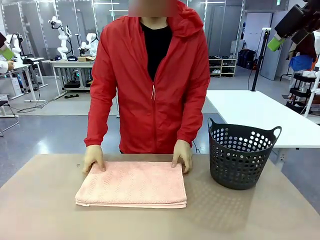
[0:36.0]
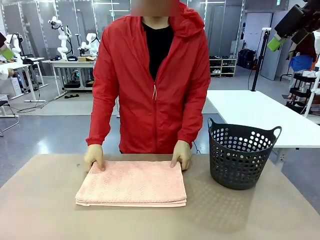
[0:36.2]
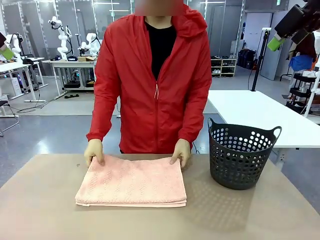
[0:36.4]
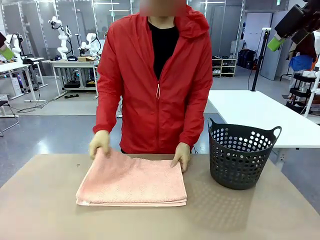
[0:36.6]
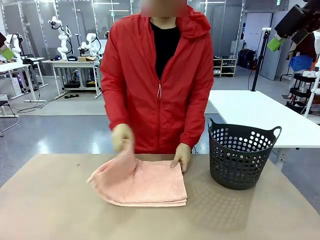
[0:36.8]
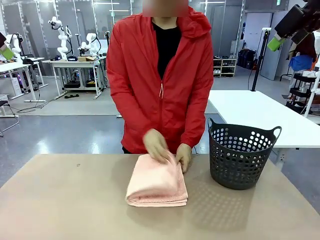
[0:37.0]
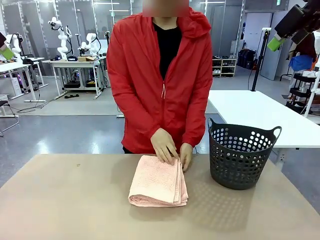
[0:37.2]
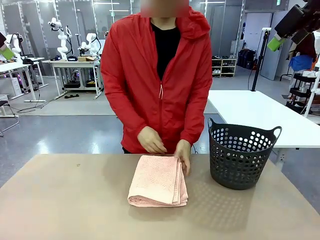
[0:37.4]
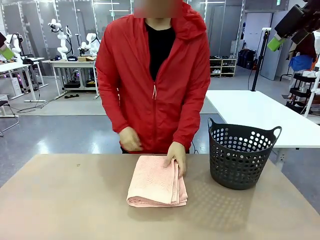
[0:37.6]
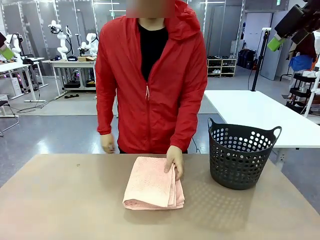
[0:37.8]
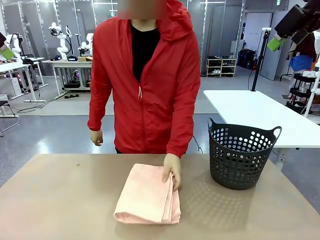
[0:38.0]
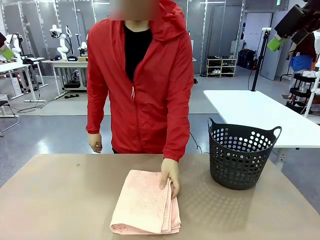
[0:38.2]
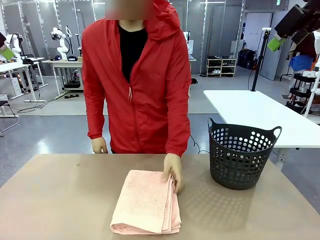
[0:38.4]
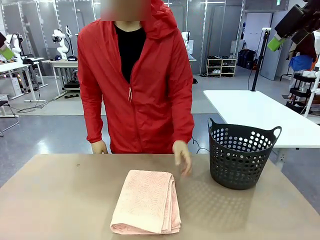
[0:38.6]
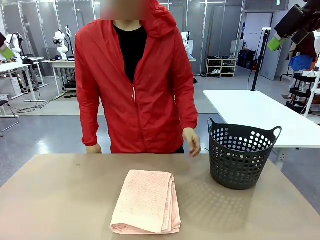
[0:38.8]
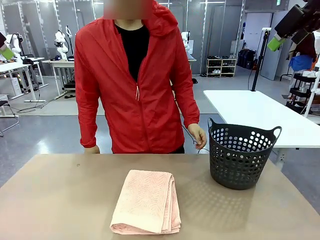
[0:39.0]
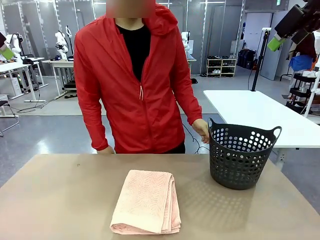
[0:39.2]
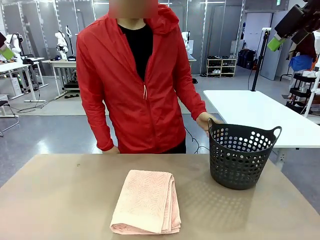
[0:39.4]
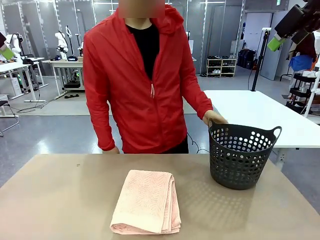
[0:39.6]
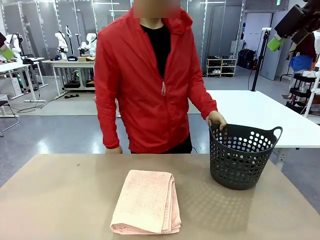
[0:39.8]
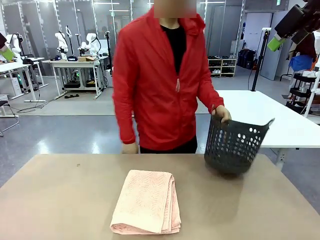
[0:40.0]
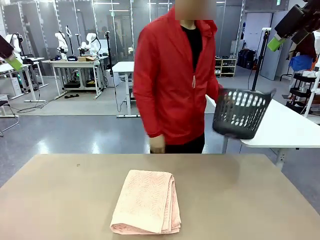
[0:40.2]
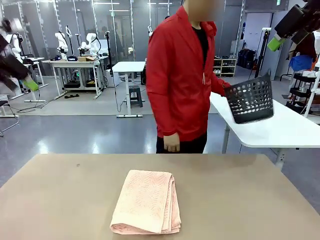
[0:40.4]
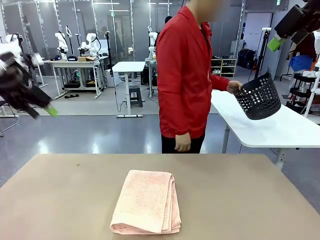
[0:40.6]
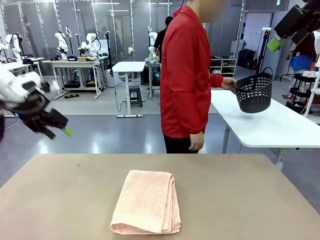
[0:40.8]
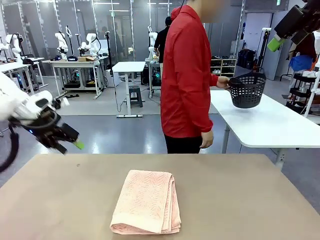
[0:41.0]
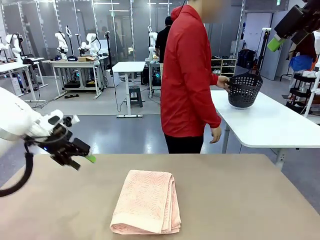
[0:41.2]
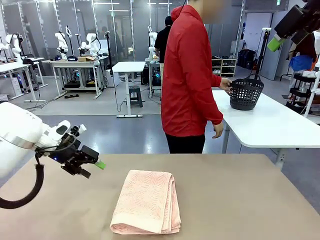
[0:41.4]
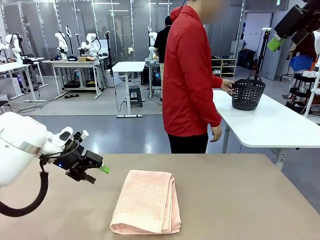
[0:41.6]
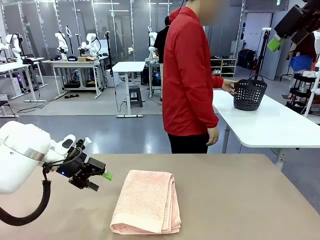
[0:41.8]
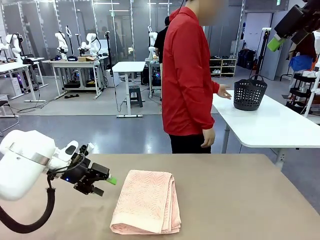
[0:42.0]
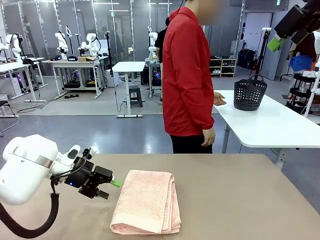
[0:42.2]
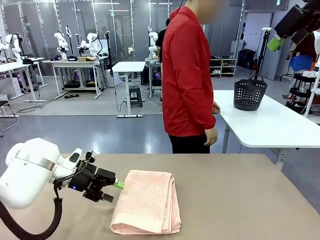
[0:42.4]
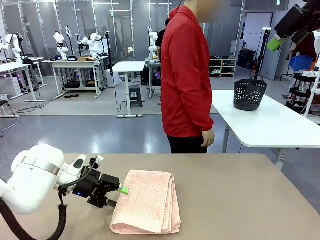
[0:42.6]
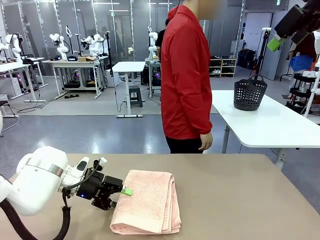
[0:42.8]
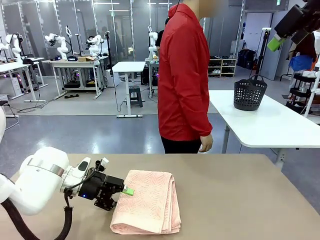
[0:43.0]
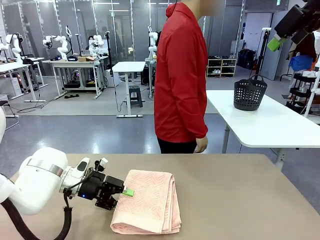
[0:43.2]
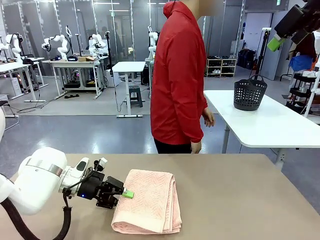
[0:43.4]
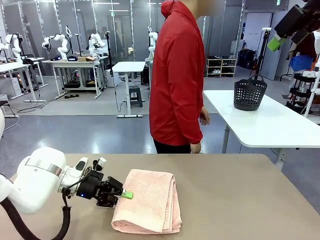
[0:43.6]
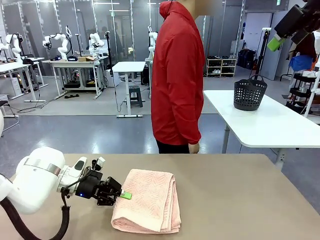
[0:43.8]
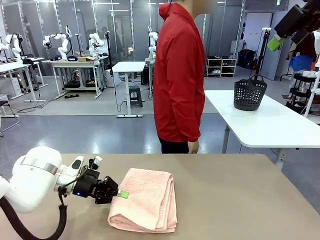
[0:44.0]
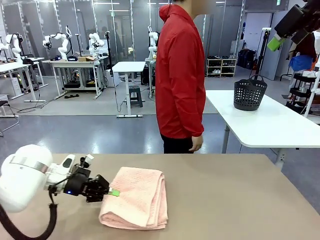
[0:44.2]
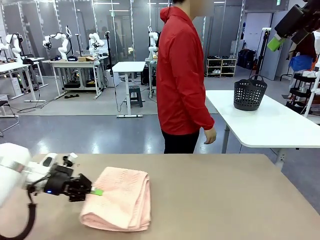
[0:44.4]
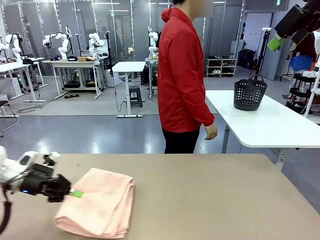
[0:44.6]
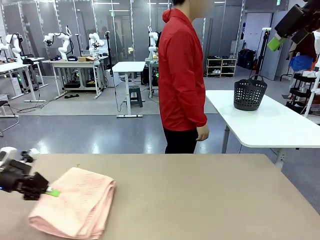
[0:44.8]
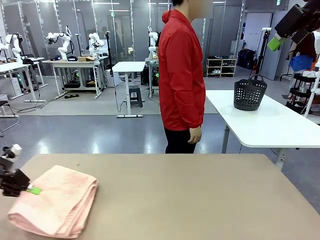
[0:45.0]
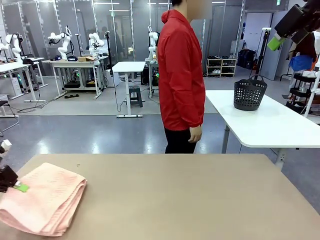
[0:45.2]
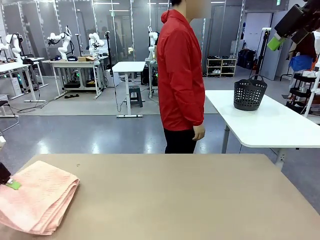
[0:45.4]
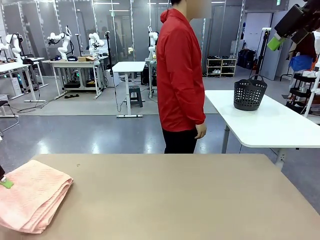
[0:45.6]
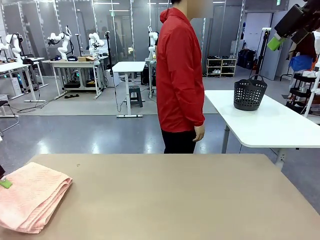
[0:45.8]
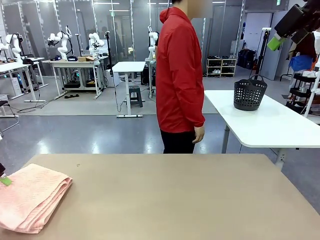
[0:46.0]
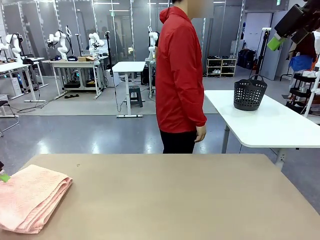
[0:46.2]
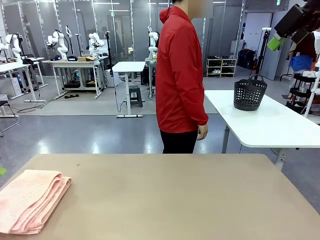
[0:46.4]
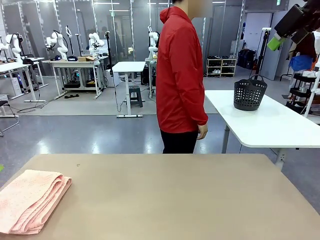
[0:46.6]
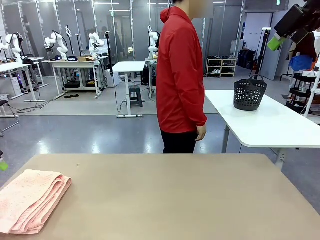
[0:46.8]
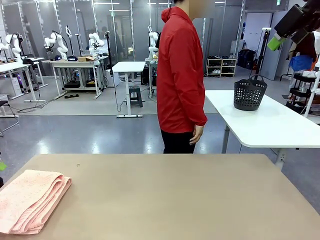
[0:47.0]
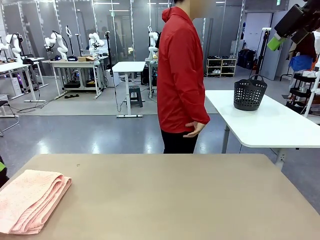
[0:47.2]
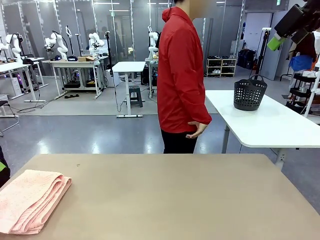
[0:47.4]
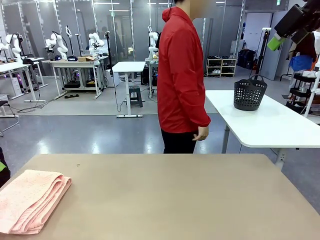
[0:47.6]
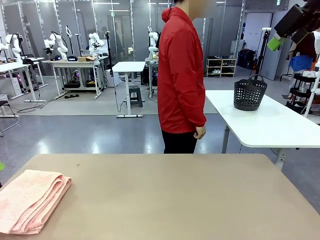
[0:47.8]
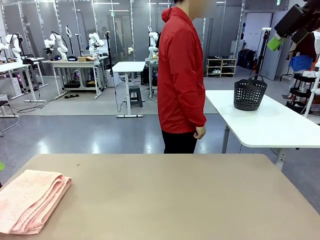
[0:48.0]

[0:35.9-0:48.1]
Task: Fold the towel.
Robot: Pick up the 100 cm Hotel Towel and place it on the left side of the table.
Person: Pick up the laundry basket and place it at the center of the human table.

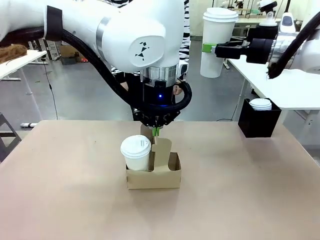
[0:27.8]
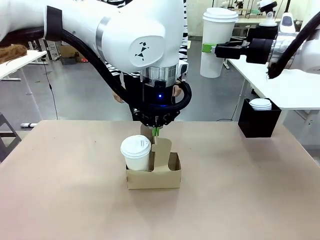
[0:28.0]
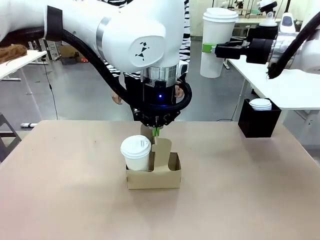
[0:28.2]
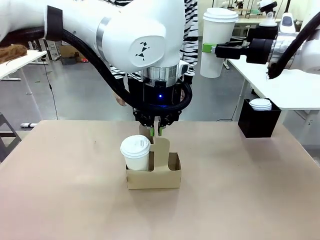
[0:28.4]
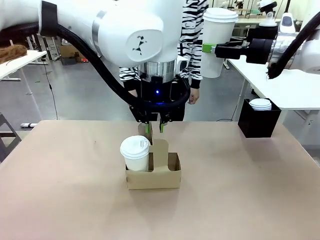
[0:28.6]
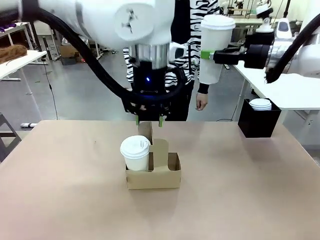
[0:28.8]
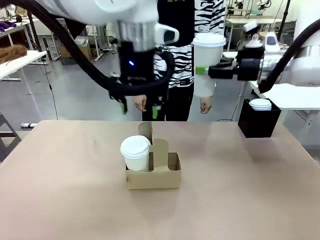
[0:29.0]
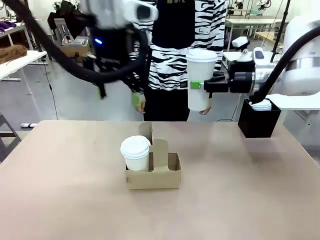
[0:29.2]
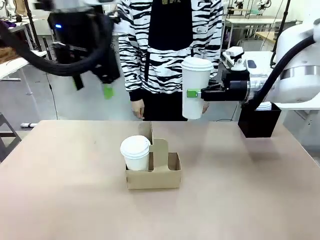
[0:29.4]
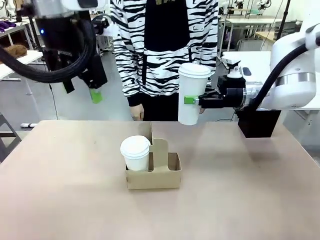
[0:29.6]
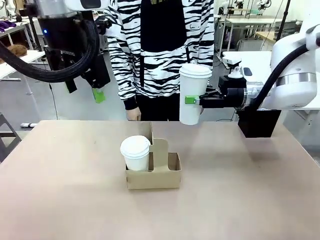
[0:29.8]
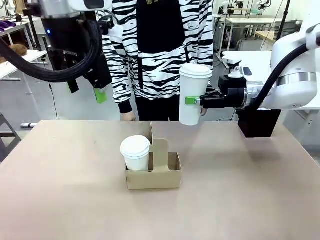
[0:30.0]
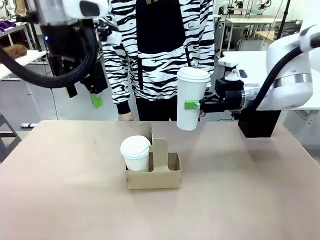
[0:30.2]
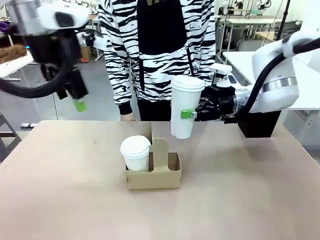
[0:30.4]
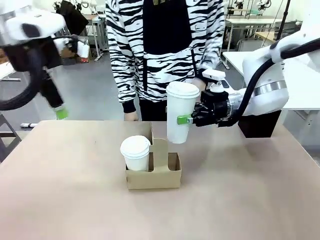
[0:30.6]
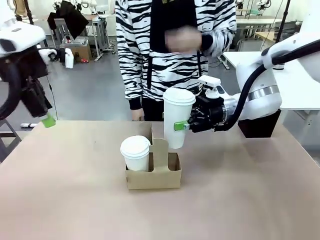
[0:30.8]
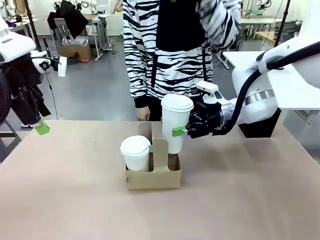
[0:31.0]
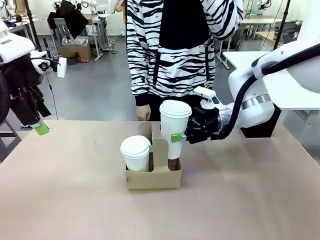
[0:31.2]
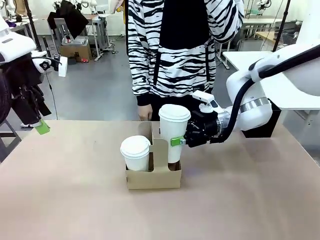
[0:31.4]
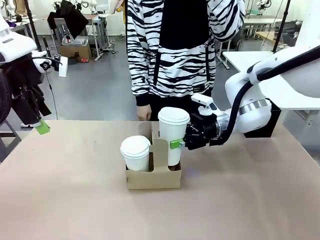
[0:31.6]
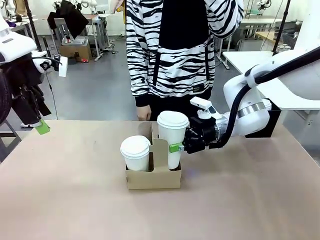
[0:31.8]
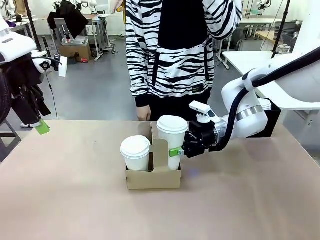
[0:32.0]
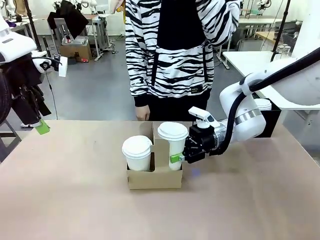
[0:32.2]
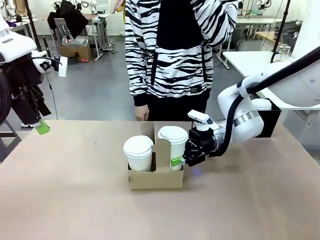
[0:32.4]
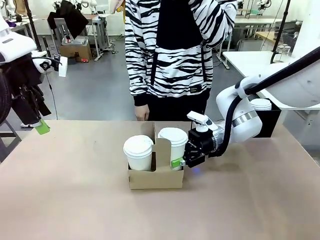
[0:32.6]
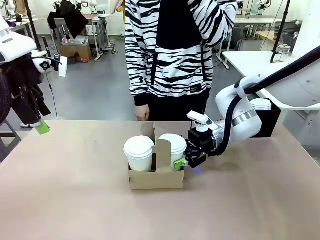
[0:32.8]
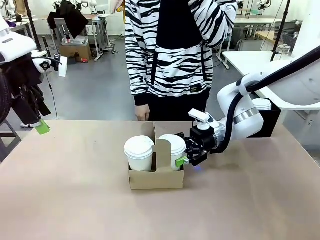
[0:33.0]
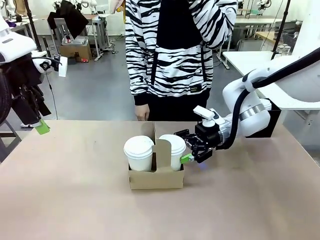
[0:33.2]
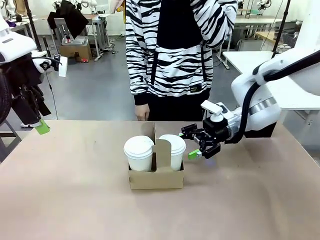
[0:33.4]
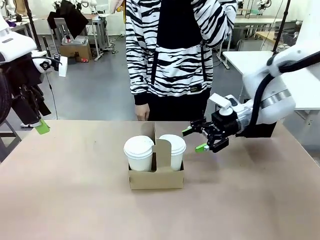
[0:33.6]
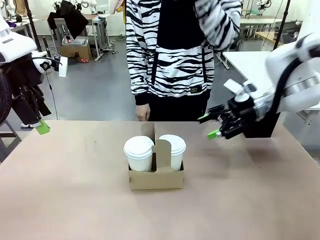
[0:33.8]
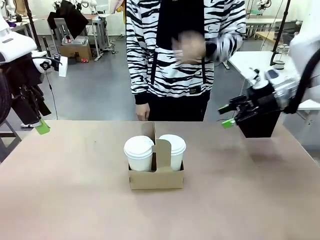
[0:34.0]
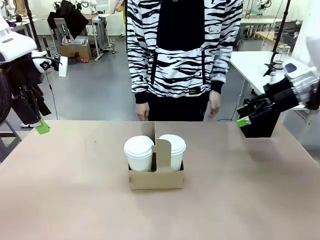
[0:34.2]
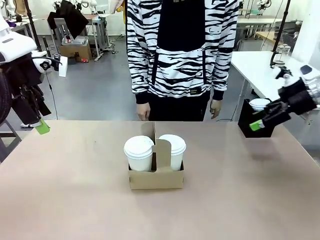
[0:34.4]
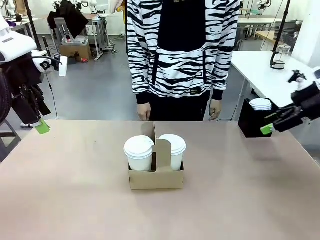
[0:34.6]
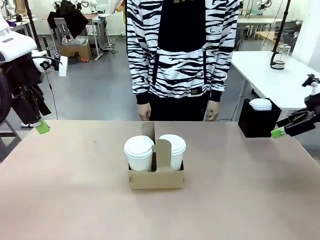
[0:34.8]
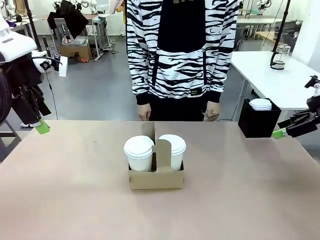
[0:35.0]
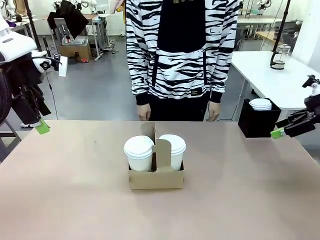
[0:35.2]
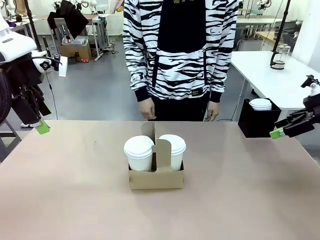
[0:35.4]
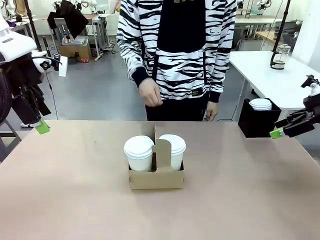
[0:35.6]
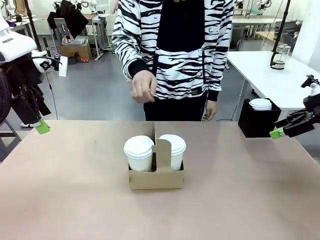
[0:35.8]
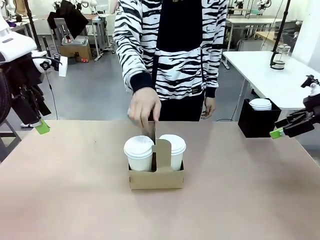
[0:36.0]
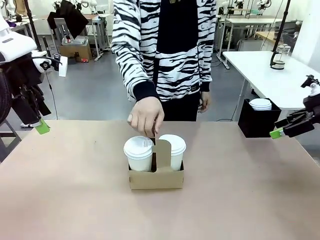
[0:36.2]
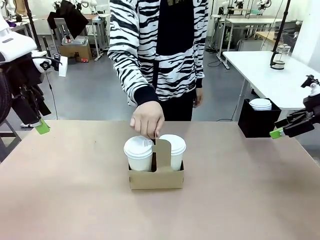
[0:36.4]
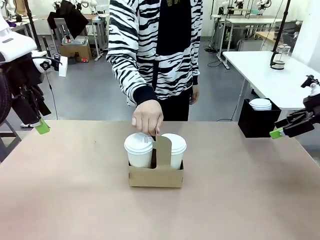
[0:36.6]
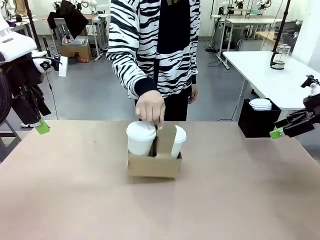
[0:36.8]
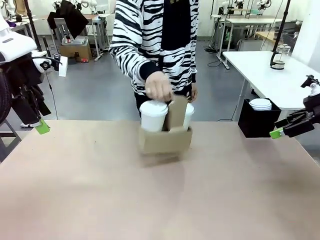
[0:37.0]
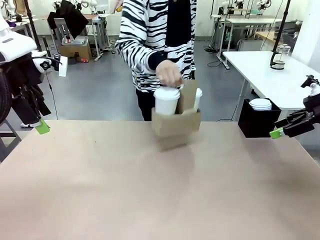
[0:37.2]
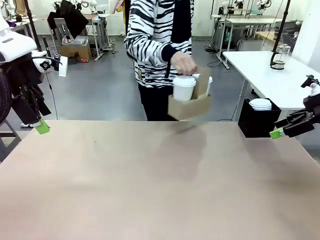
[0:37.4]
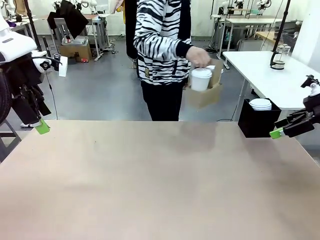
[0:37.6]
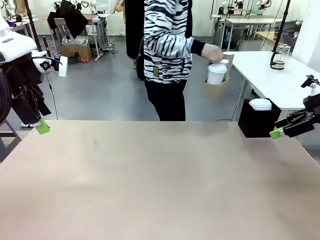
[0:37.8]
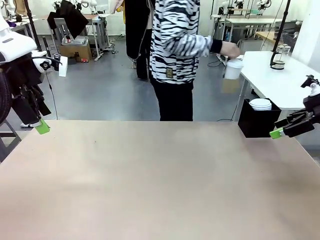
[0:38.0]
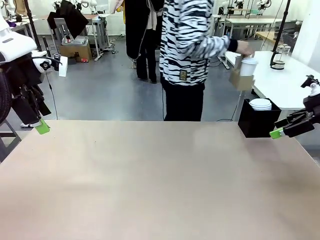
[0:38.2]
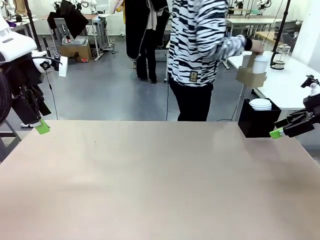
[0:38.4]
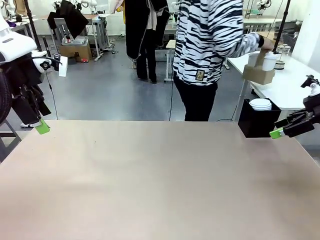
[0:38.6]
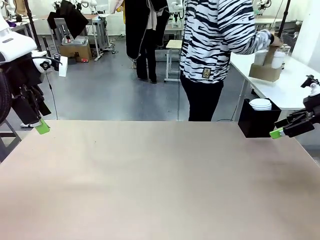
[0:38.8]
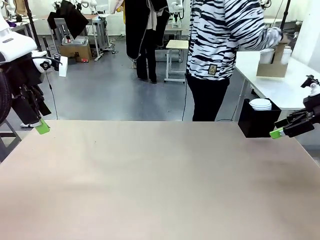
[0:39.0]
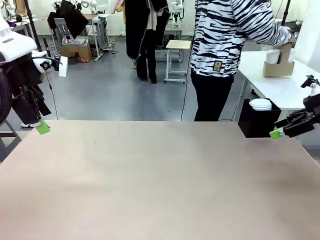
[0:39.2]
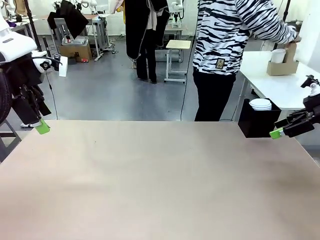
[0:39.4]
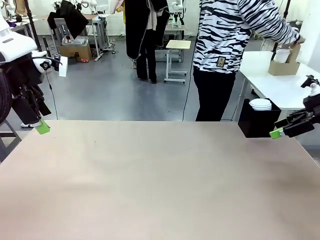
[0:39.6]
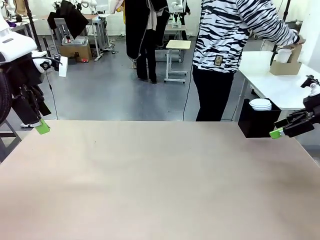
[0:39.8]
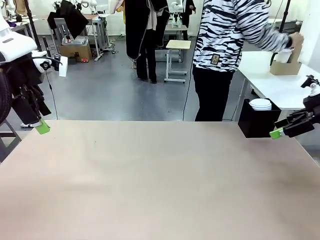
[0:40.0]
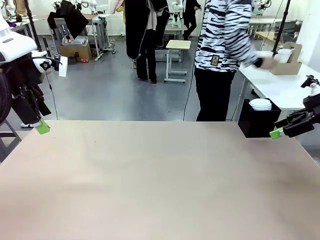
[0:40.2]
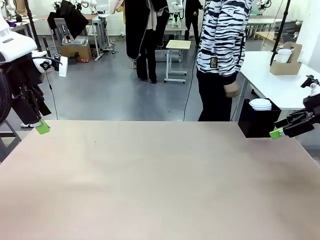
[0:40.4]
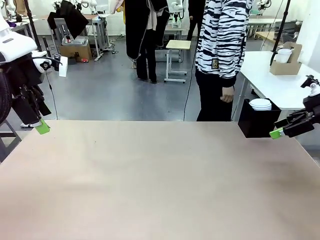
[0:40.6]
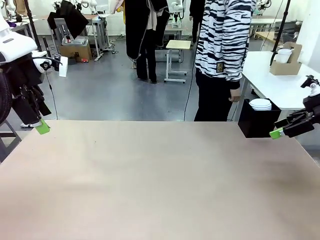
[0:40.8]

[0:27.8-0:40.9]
Task: Pour a drink into a cup and package it in a carrier.
Robot: Insert the held 600 ml Paper Cup into the Cup Carrier.
Person: Place the Cup Carrier to the middle of Human table.
